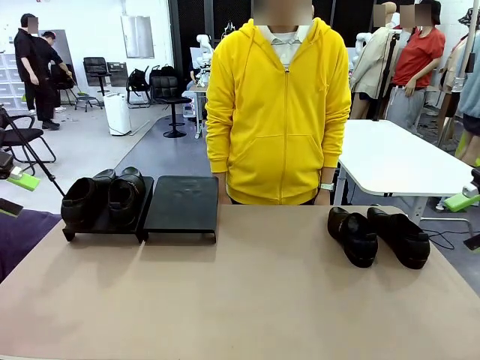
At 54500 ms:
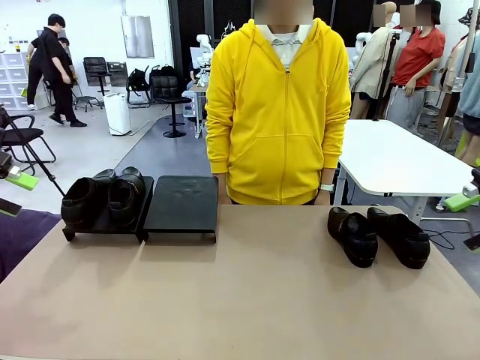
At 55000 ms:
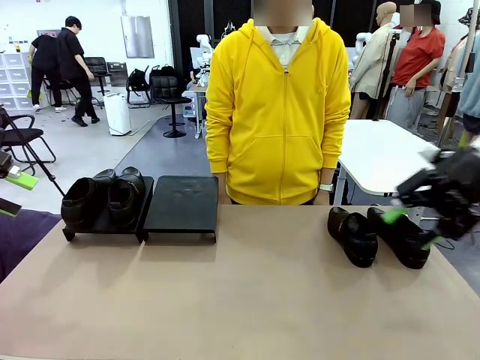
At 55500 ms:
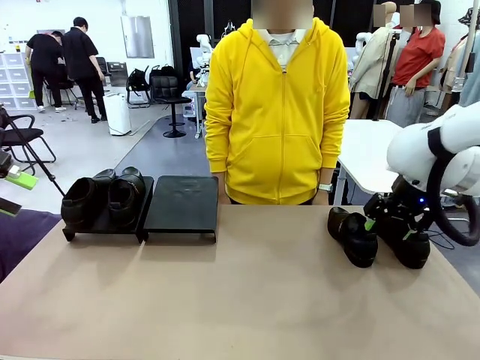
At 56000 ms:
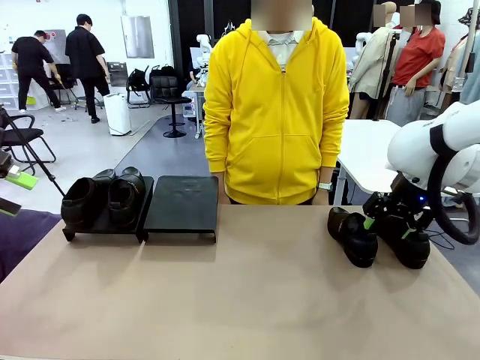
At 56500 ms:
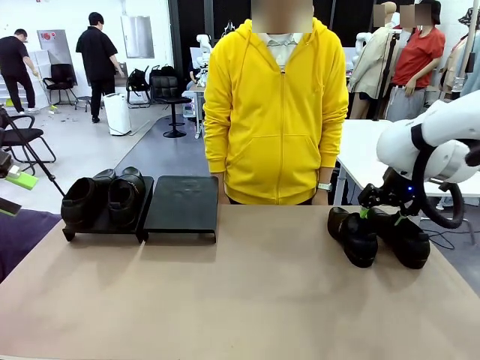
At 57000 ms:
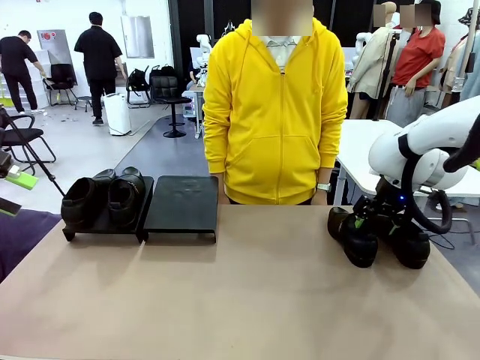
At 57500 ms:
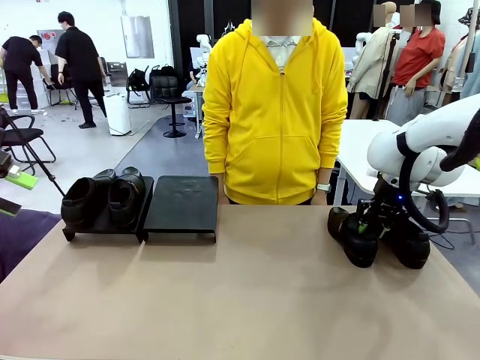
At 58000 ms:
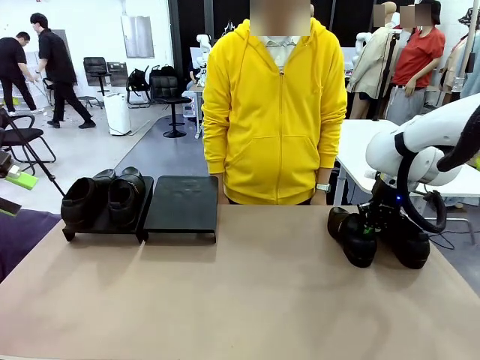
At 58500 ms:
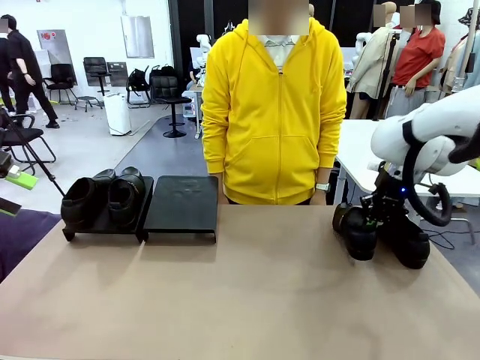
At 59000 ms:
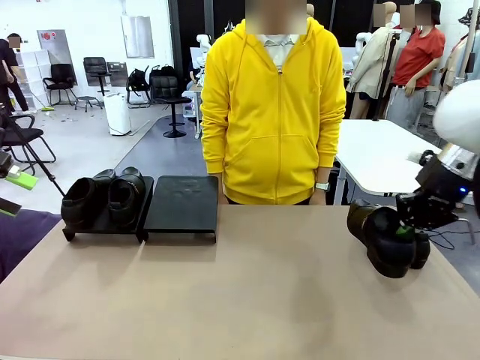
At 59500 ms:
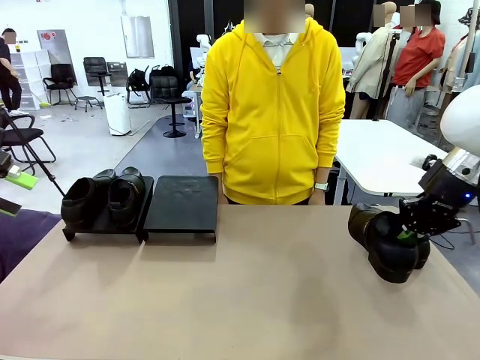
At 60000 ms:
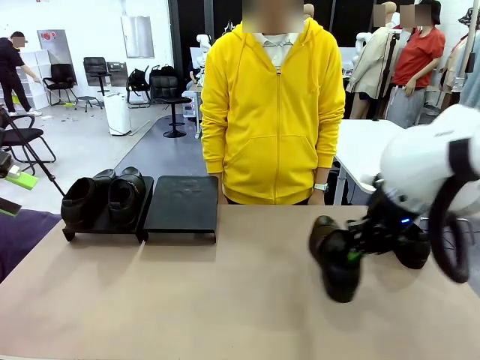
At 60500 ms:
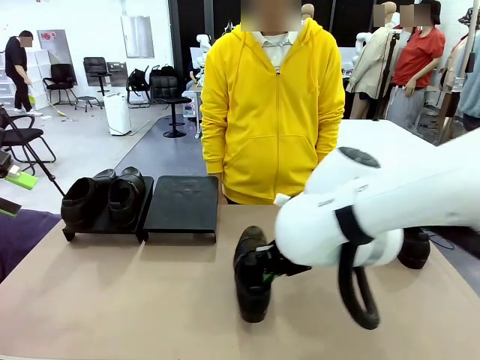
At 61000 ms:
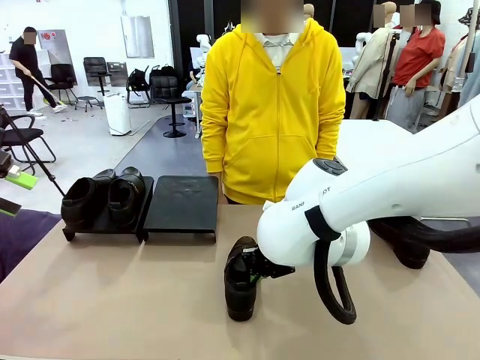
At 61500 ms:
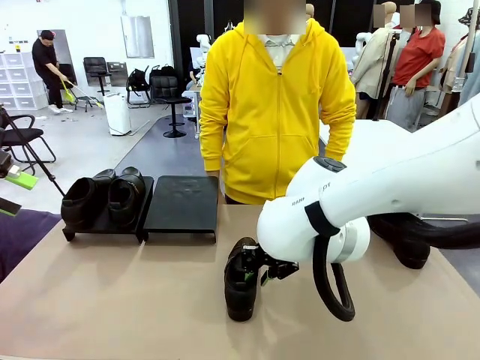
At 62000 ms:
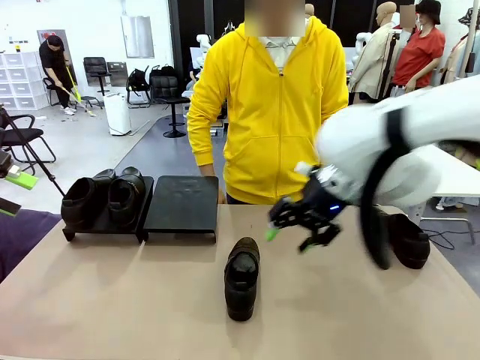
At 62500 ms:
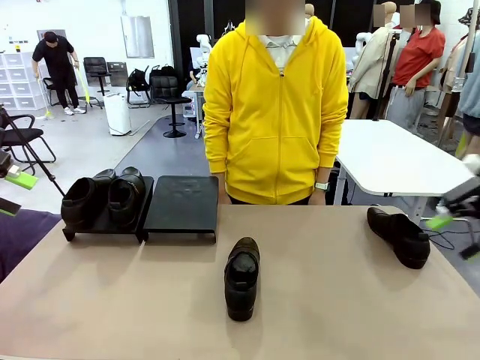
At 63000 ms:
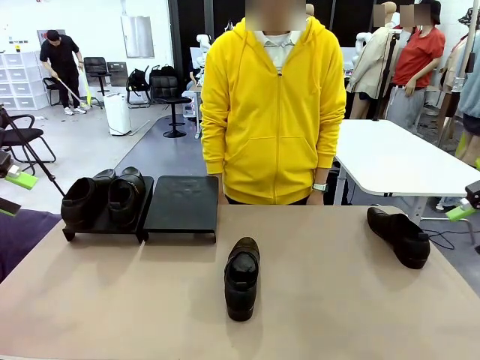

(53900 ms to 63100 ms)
Task: Organize the shoes by placing them on the stand.
Robot: Pick up one Shoe and place it in the middle of the table.

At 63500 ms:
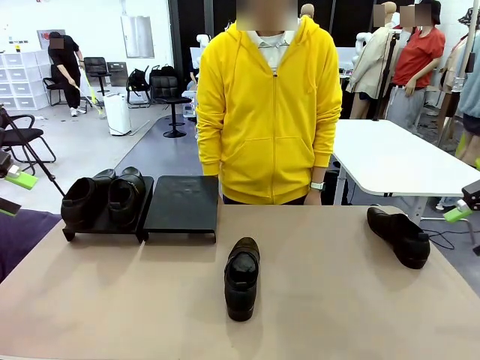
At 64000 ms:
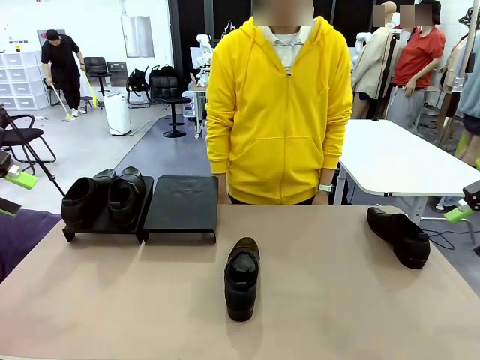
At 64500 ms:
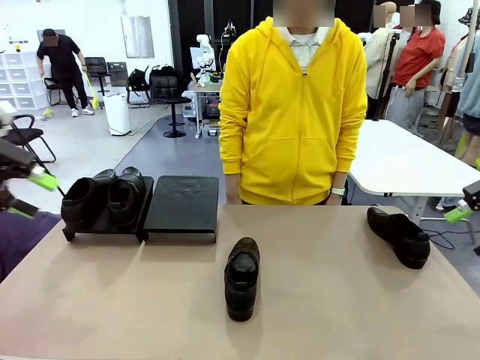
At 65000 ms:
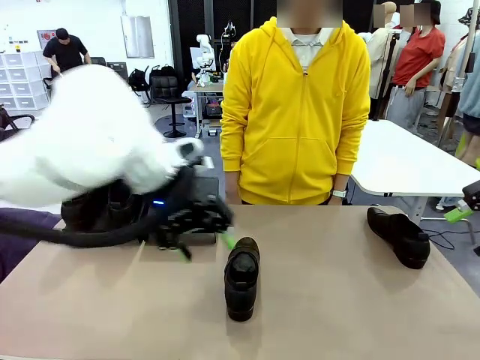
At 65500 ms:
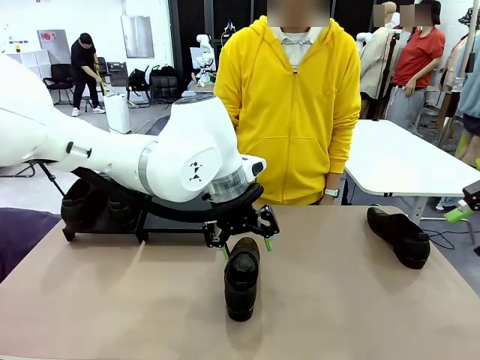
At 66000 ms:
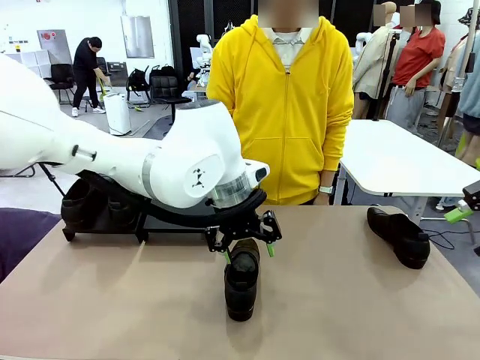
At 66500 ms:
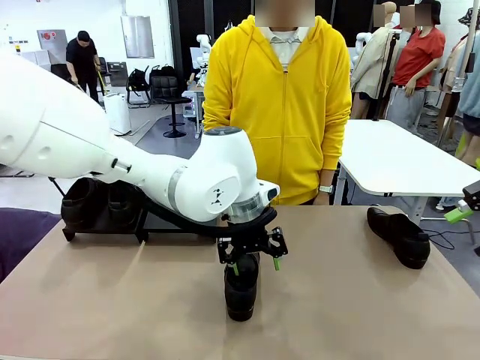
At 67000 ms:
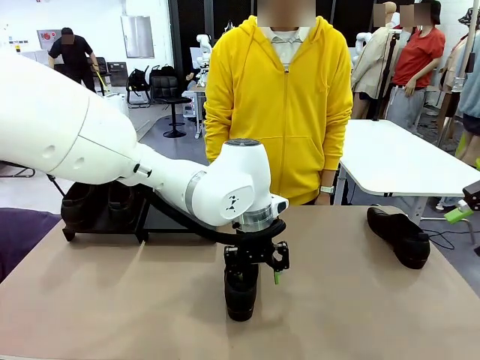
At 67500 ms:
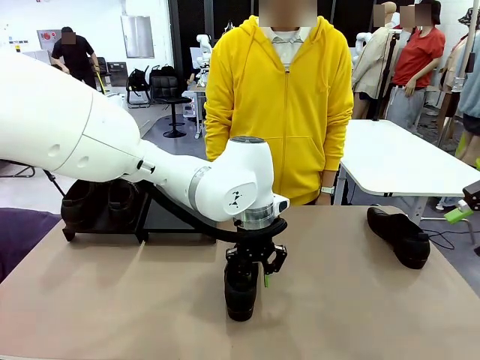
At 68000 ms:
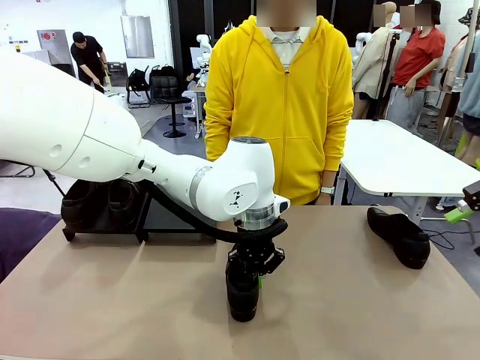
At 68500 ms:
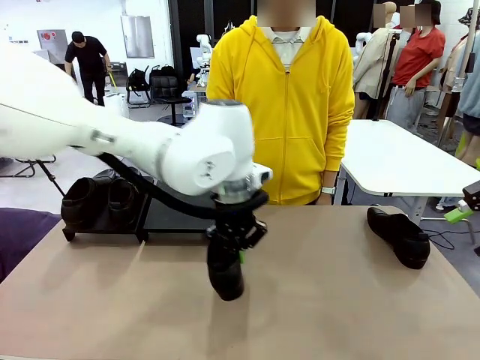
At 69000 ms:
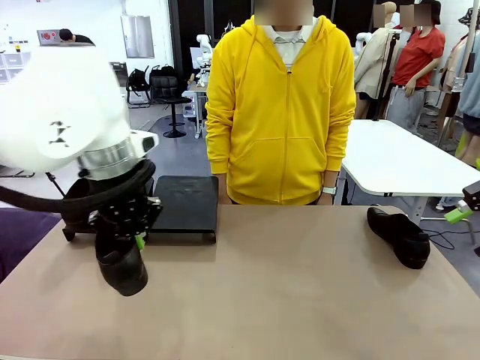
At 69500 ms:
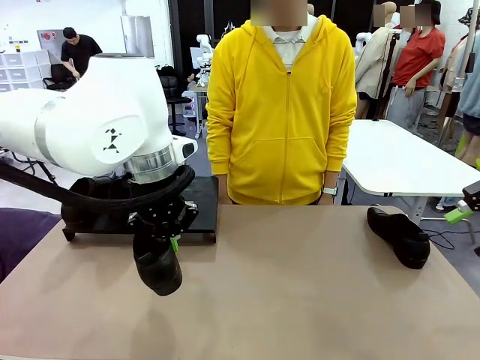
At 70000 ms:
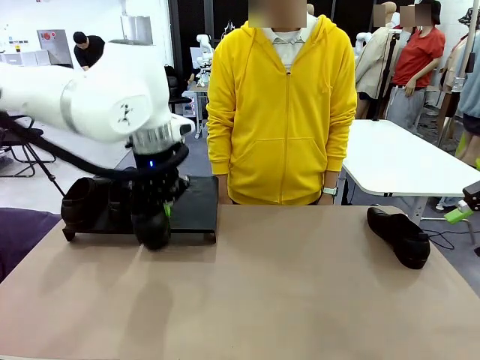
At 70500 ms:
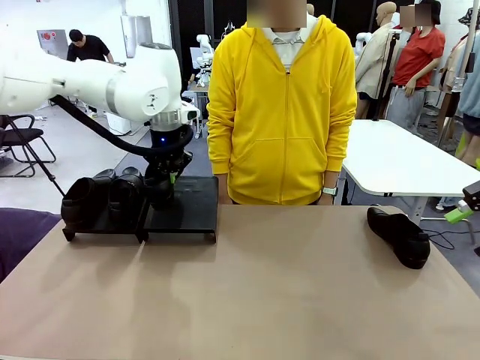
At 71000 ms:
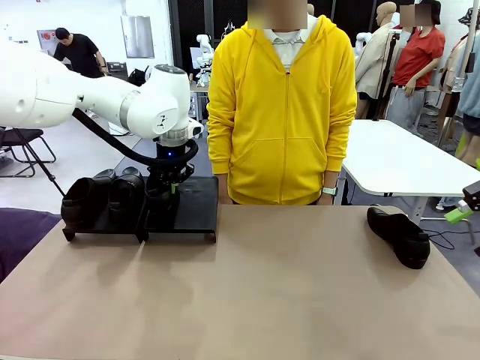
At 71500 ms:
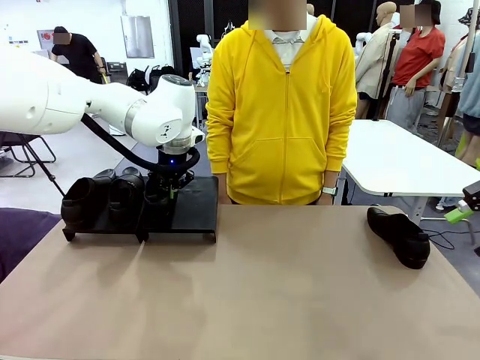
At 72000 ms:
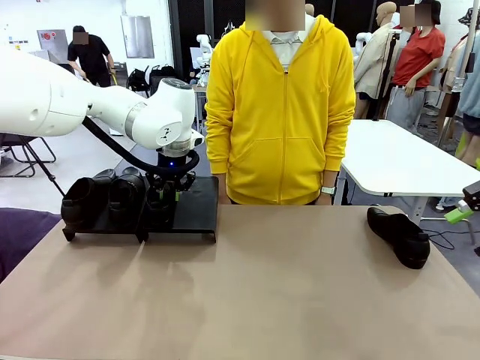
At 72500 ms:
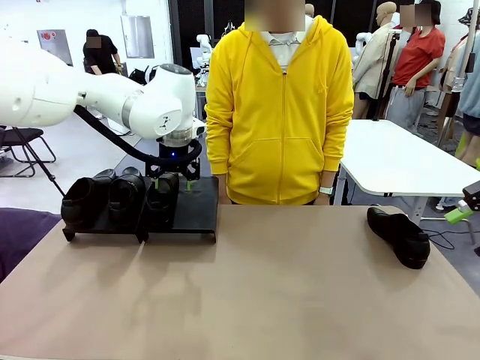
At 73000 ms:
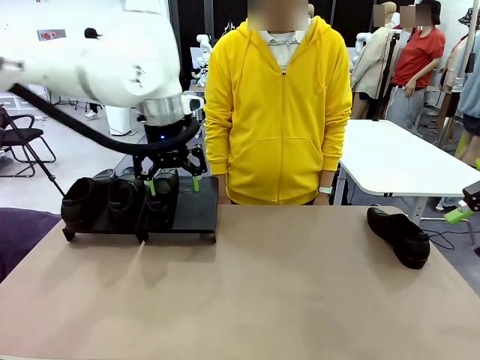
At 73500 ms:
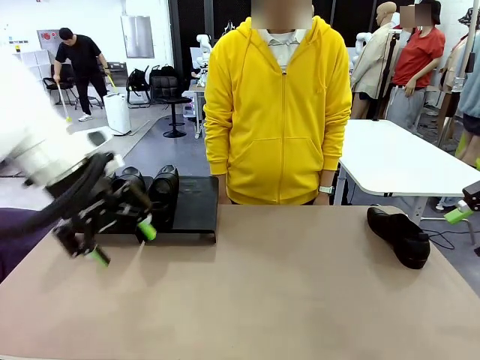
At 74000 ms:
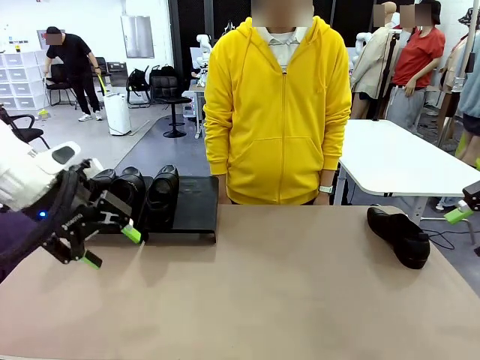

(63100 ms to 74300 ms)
Robot: Place the Shoe from the middle of the table onto the Shoes Stand.

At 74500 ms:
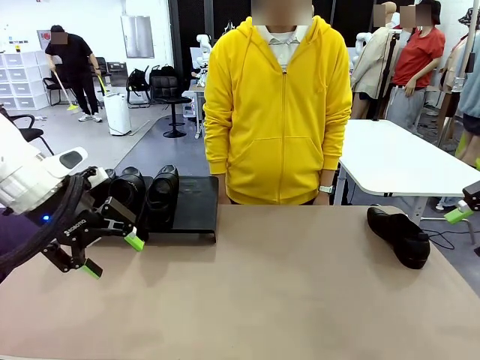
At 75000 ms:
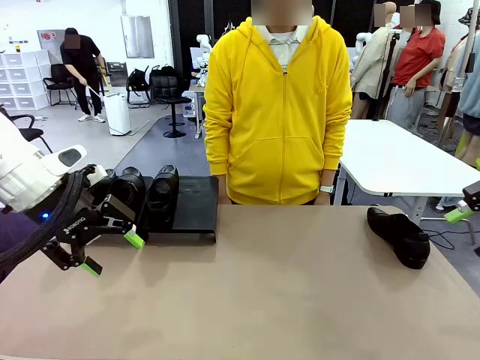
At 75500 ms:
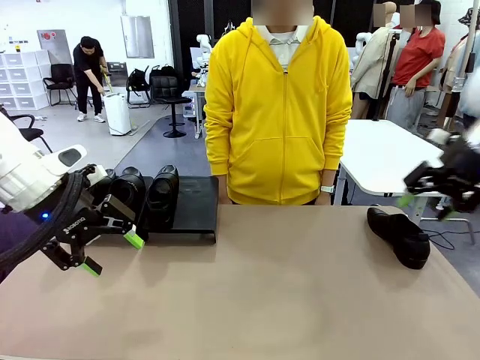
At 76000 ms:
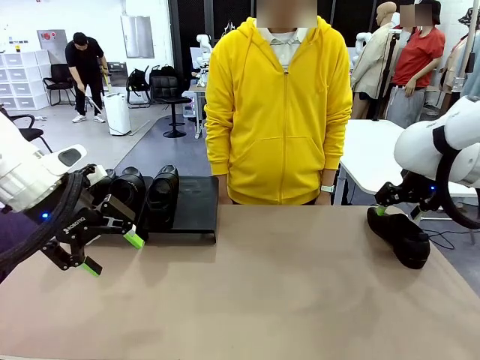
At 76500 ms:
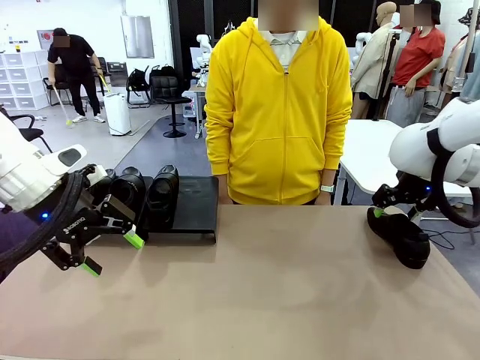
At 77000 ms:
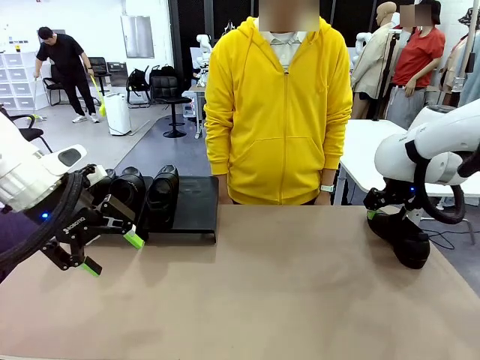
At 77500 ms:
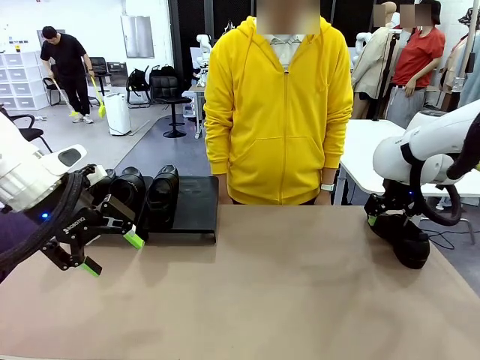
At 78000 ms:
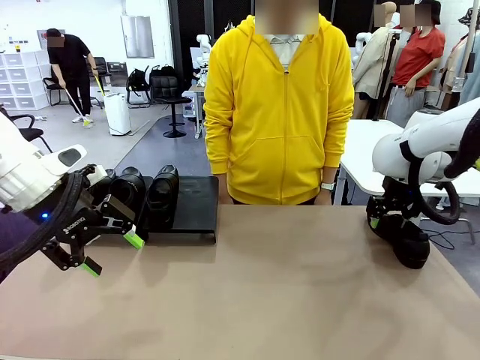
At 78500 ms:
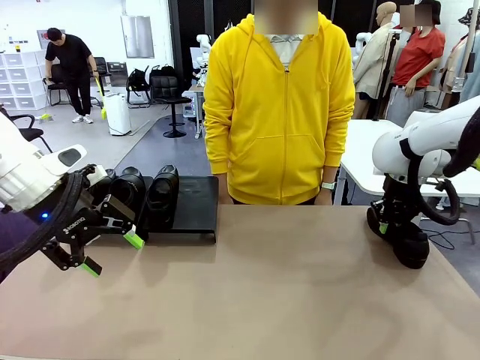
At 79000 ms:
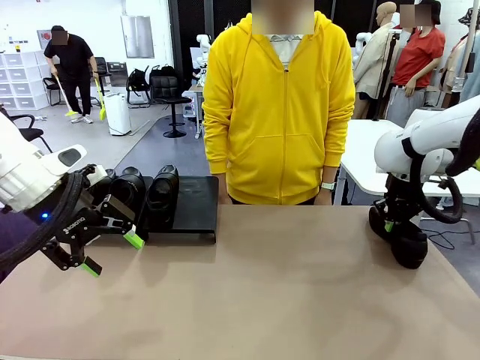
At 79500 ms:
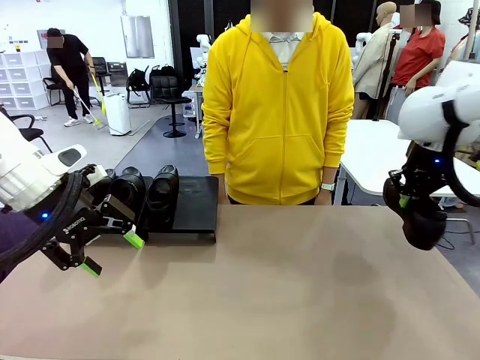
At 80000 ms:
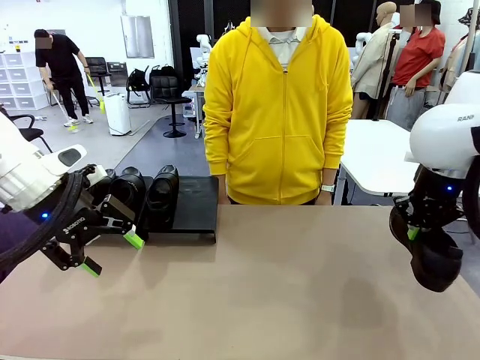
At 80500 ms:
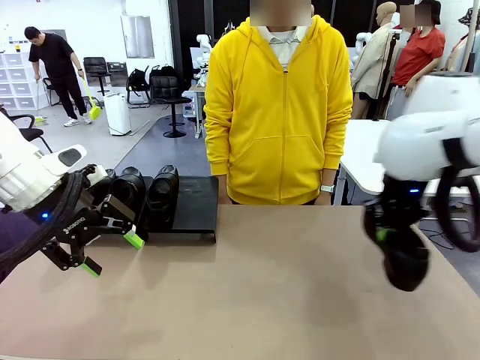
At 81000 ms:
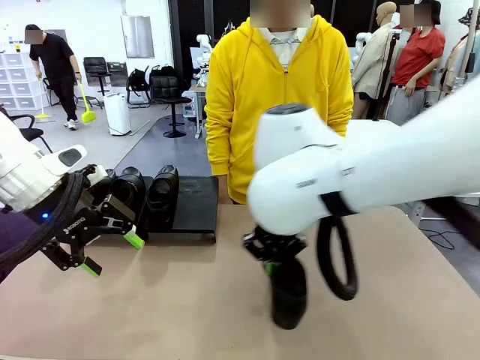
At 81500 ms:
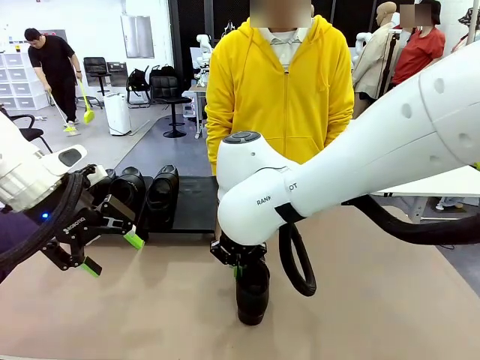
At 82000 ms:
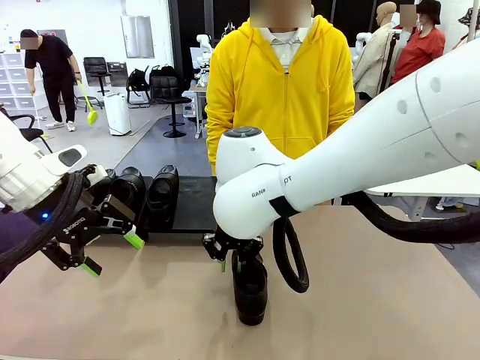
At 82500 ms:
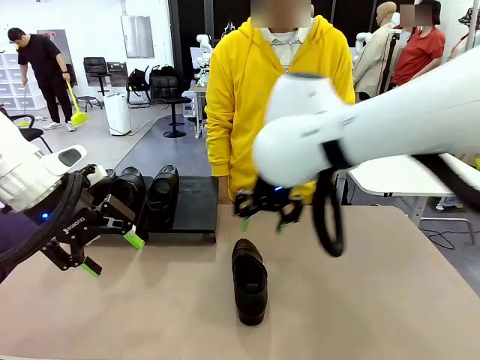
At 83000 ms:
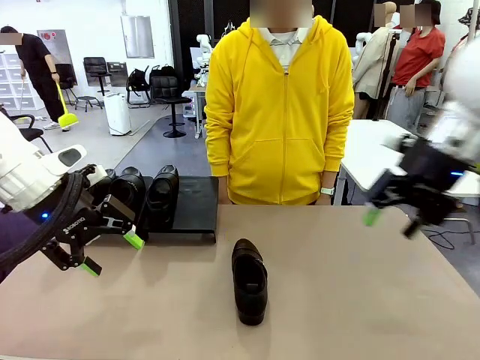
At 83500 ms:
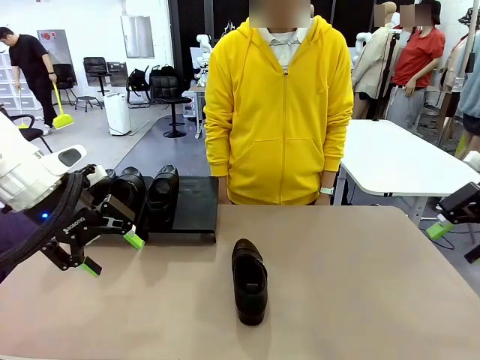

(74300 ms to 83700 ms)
Robot: Pick up one Shoe and place it in the middle of the table.
